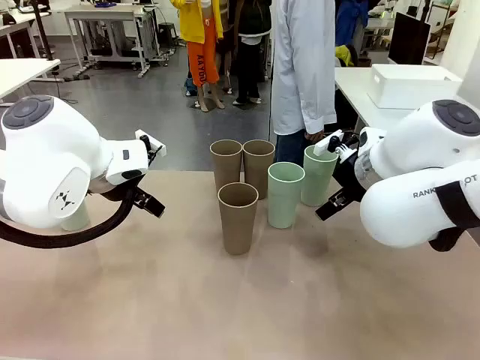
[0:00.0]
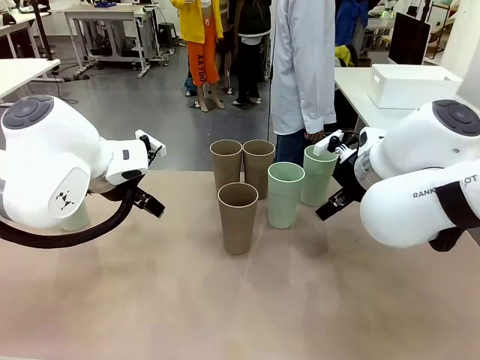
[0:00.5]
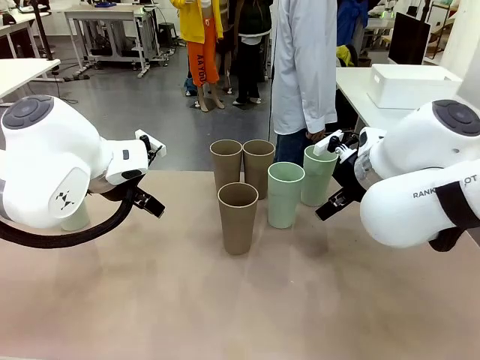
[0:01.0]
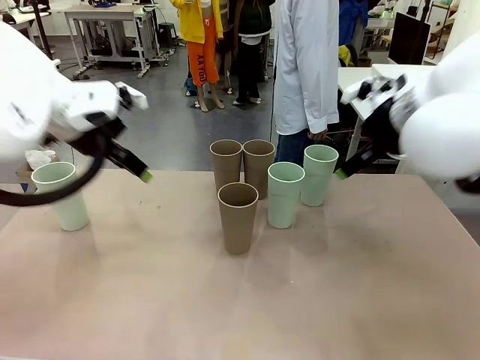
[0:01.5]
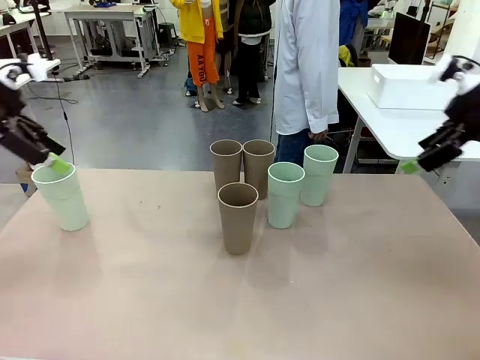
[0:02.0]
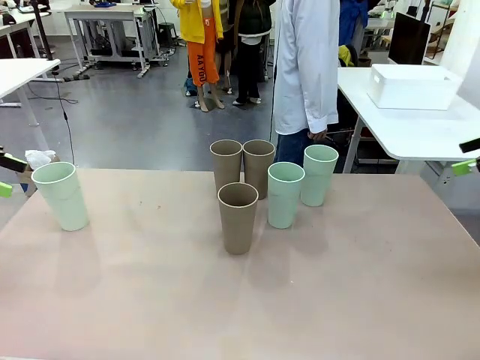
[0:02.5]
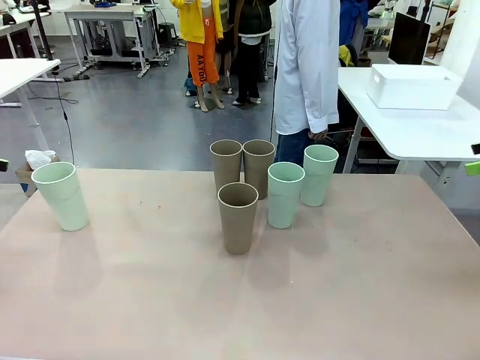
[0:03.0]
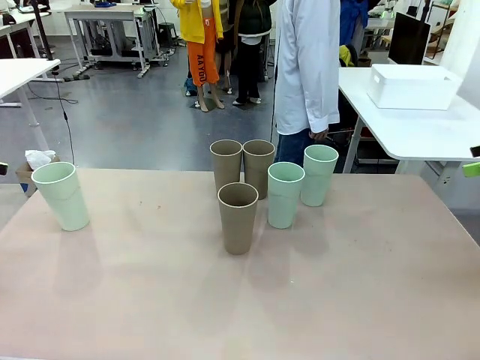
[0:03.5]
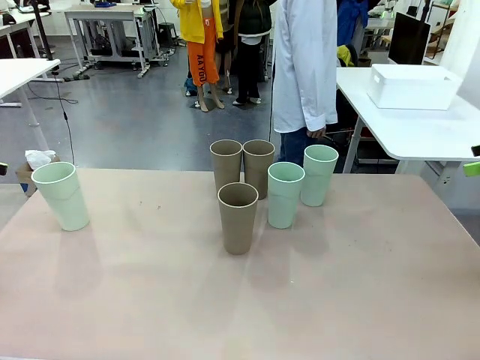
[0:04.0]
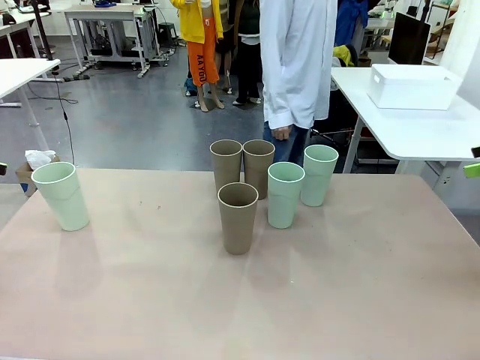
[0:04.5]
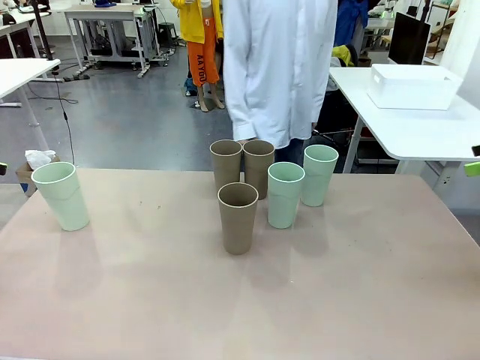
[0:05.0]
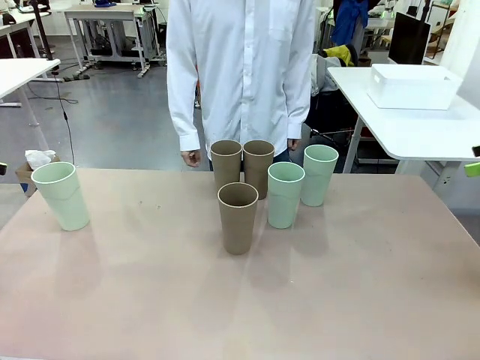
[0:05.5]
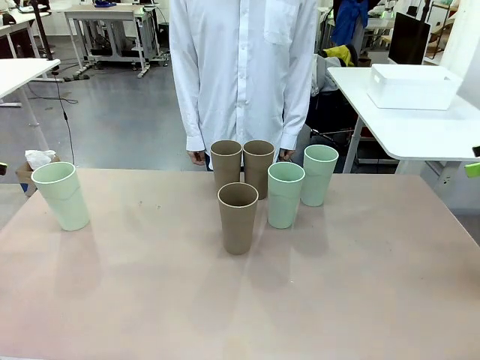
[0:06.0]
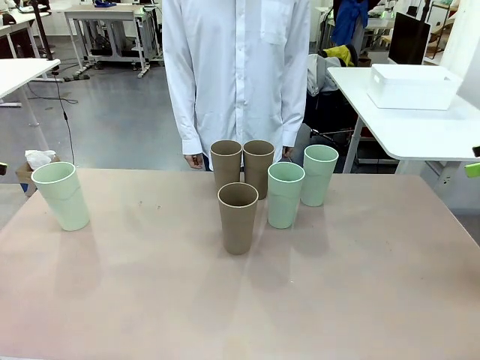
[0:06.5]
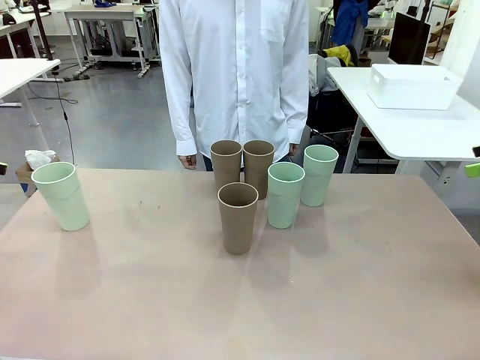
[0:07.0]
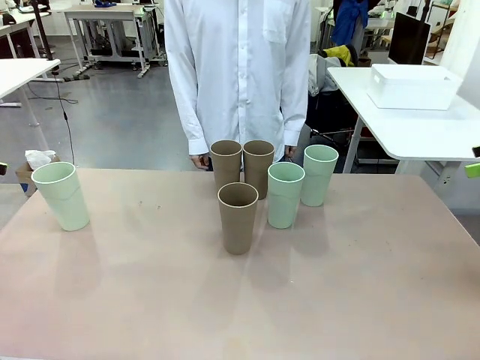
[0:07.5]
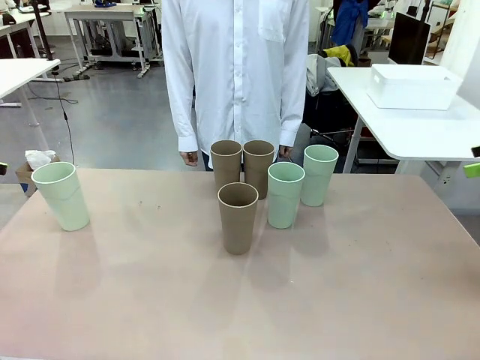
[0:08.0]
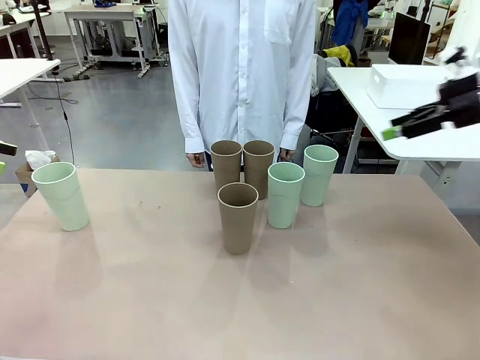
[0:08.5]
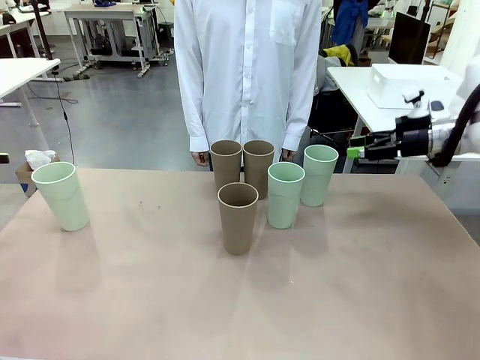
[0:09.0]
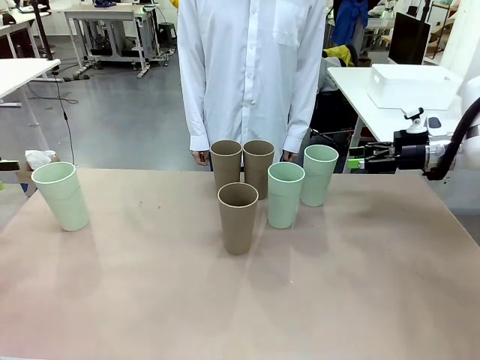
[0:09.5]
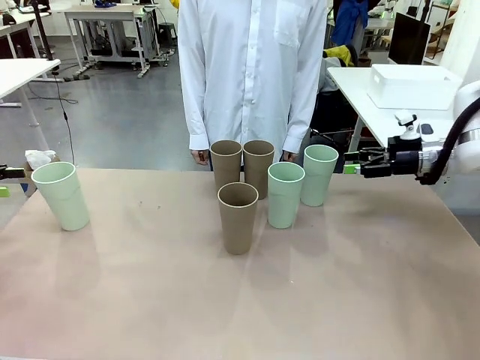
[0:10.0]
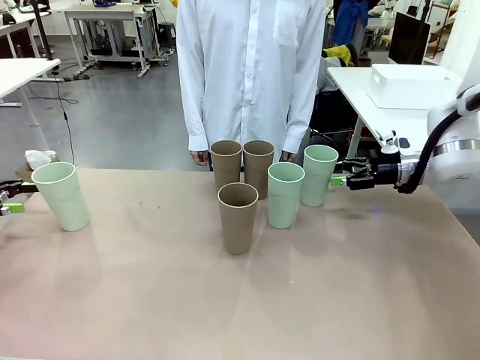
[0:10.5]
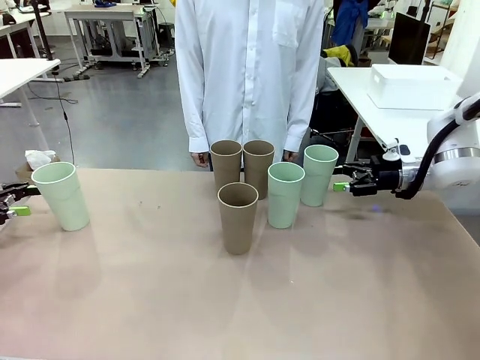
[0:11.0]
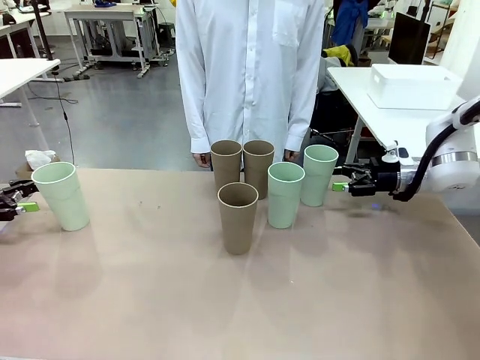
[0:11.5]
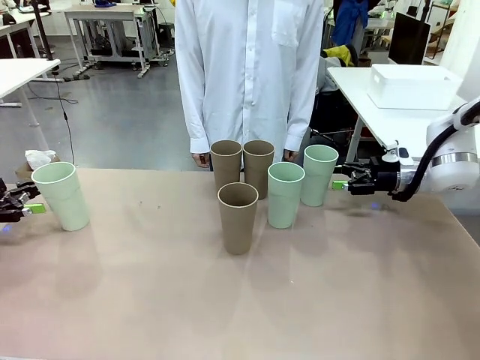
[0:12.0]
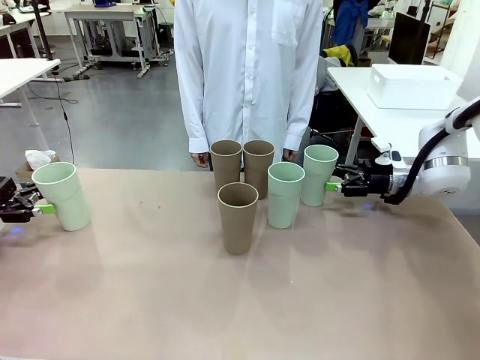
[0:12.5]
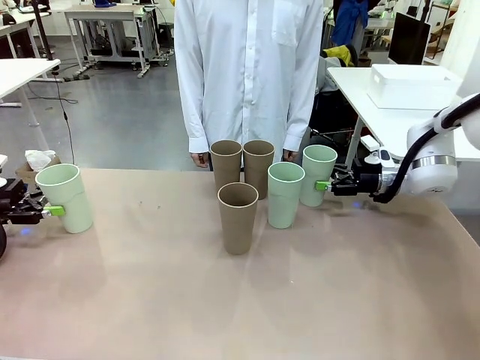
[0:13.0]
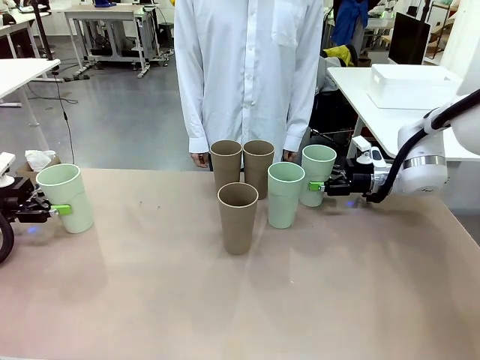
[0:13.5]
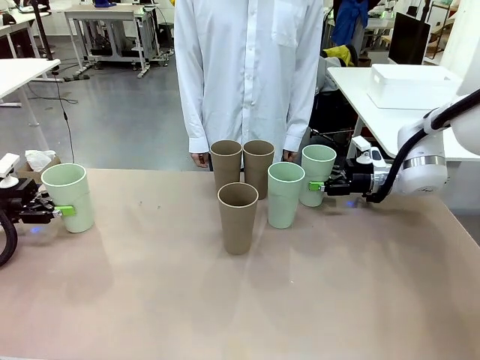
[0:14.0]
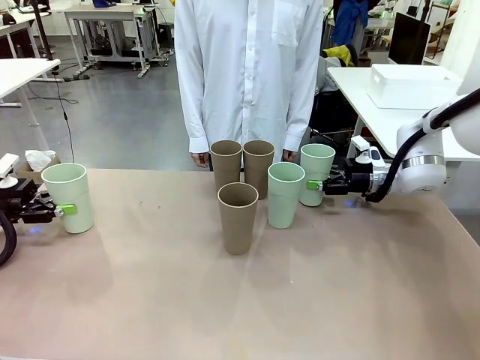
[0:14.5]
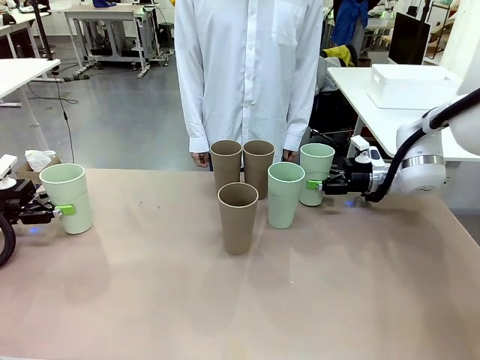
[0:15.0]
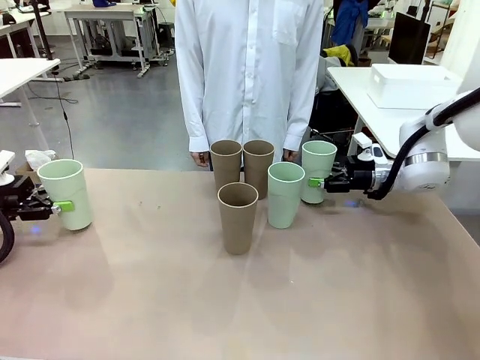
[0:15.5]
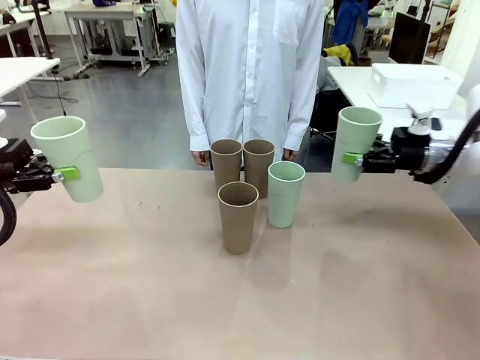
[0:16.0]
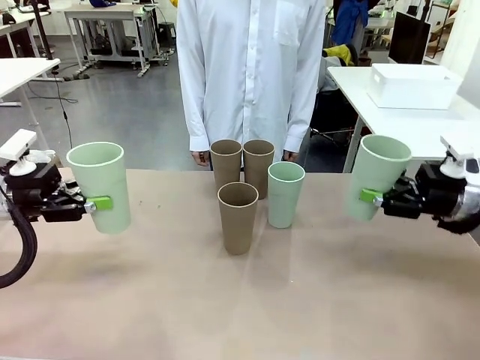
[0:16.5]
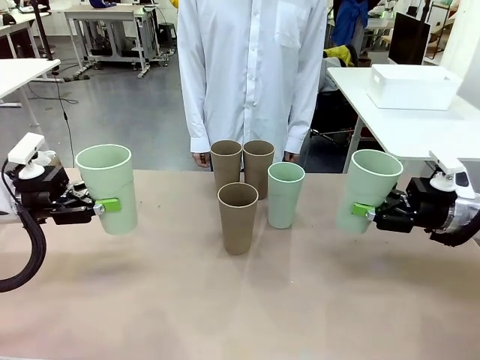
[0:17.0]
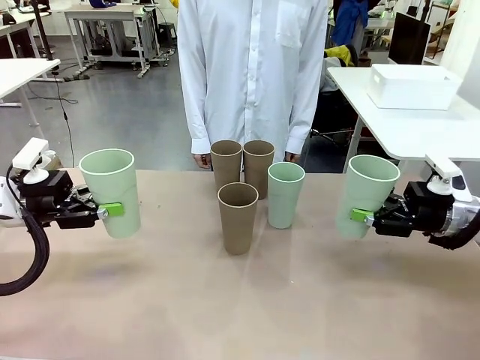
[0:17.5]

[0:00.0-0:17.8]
Task: Stack the cups and store them in the basket.
Robot: Pick up two Reusable plastic cups , one in each hand.
Person: Move from the Human Table to the front of the Robot Table. Stack two of the remaining cups on top of each cup held by the robot.
